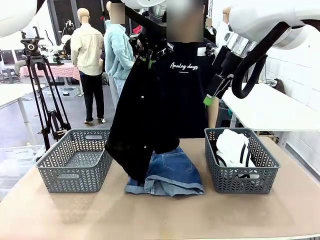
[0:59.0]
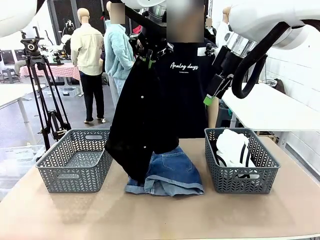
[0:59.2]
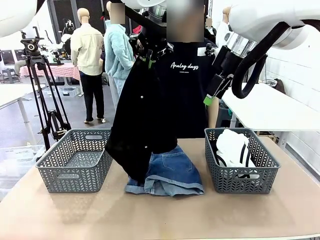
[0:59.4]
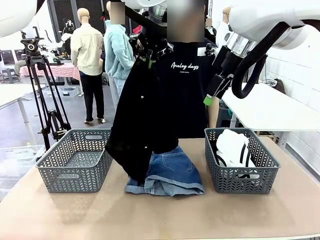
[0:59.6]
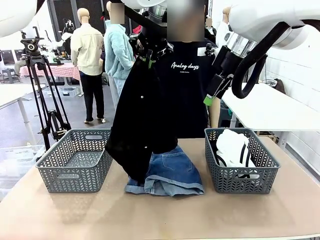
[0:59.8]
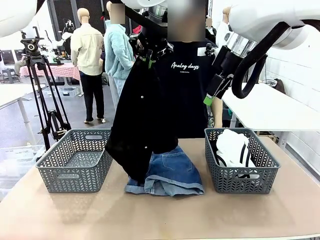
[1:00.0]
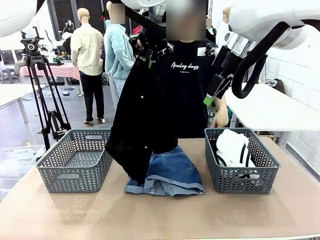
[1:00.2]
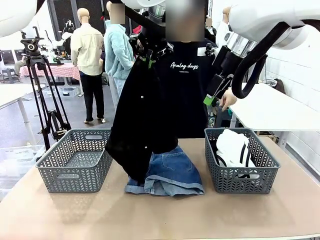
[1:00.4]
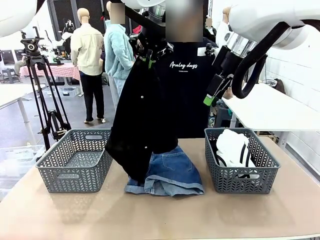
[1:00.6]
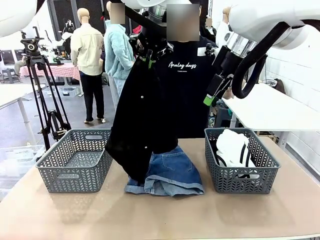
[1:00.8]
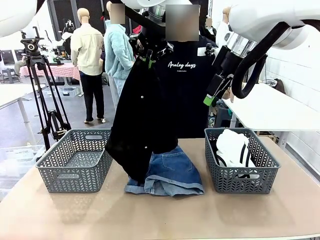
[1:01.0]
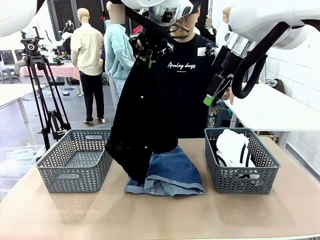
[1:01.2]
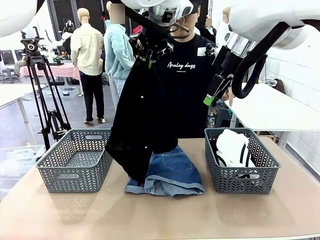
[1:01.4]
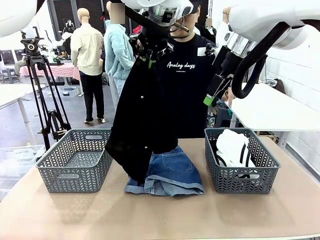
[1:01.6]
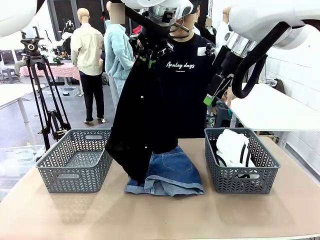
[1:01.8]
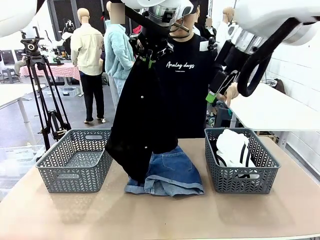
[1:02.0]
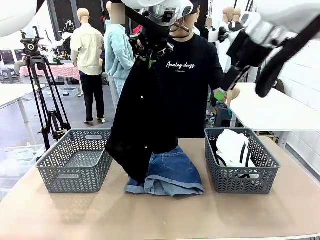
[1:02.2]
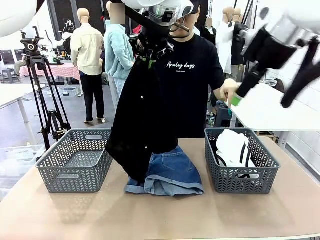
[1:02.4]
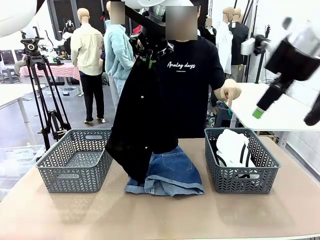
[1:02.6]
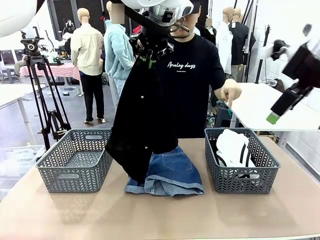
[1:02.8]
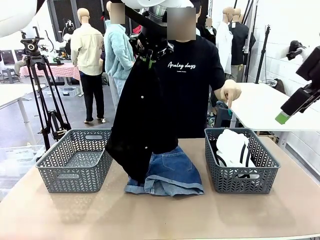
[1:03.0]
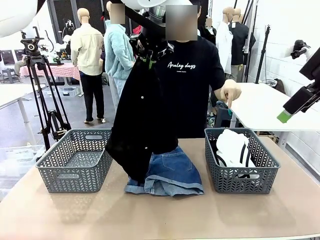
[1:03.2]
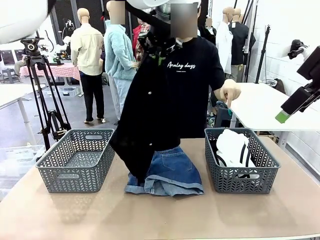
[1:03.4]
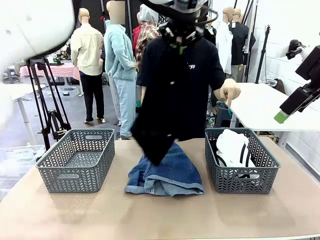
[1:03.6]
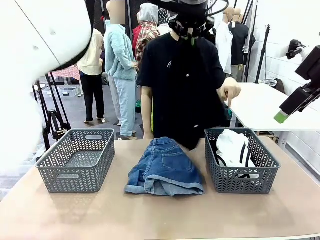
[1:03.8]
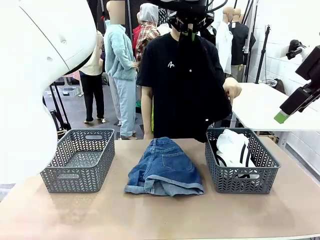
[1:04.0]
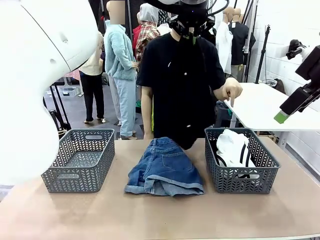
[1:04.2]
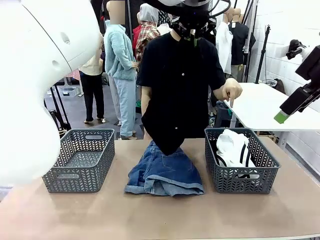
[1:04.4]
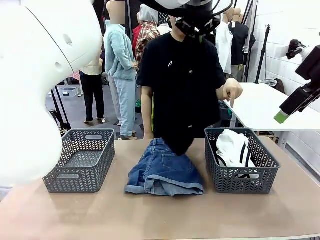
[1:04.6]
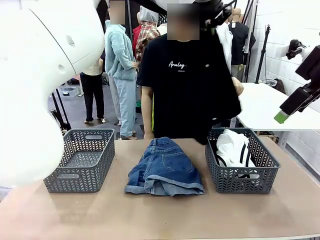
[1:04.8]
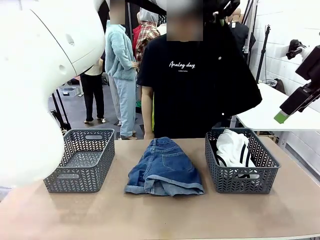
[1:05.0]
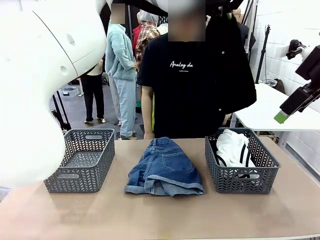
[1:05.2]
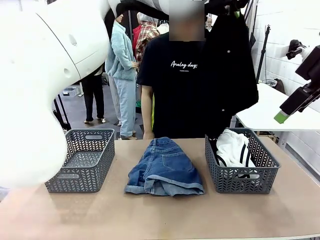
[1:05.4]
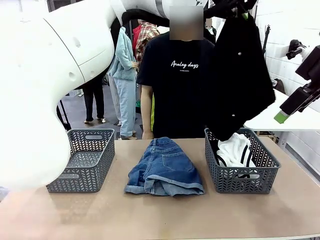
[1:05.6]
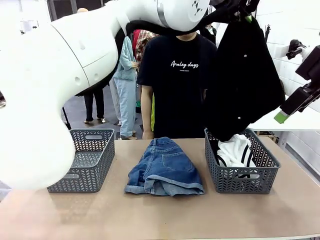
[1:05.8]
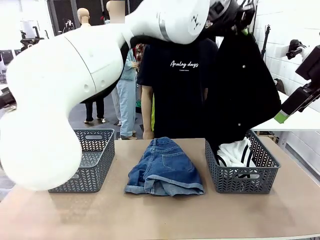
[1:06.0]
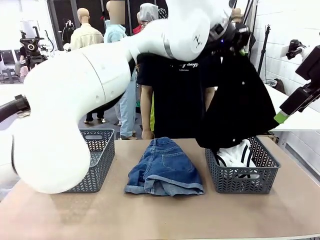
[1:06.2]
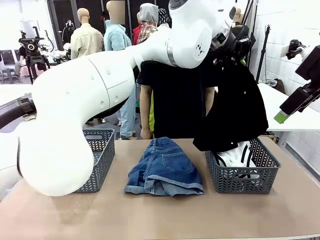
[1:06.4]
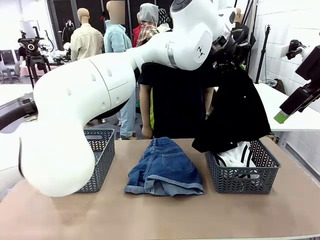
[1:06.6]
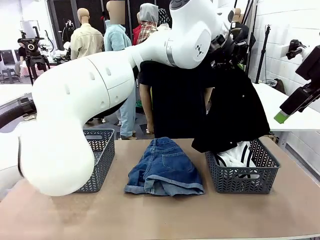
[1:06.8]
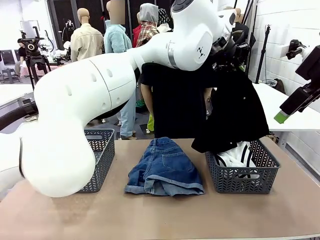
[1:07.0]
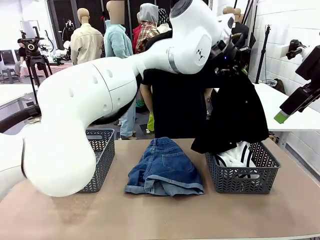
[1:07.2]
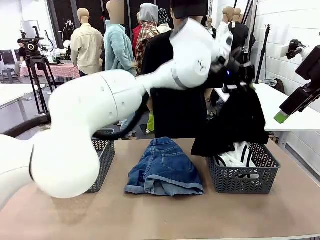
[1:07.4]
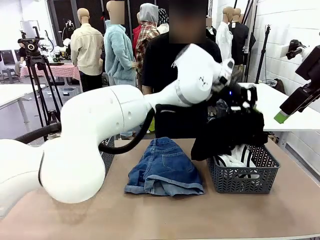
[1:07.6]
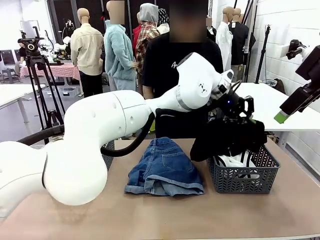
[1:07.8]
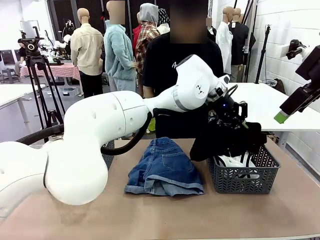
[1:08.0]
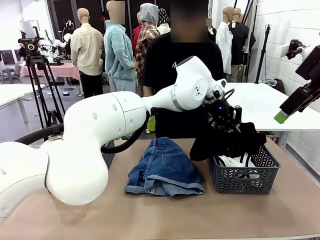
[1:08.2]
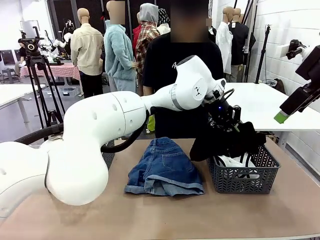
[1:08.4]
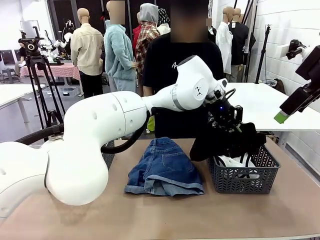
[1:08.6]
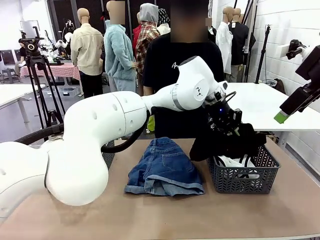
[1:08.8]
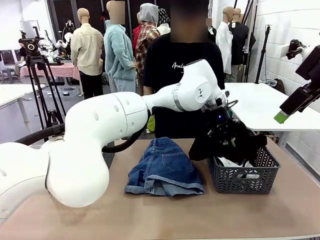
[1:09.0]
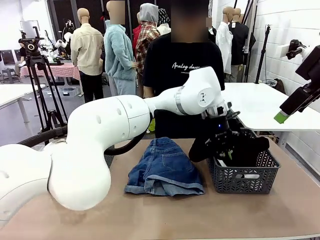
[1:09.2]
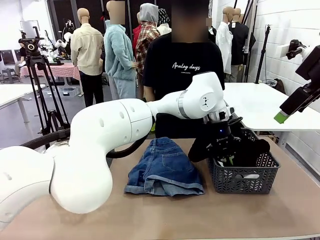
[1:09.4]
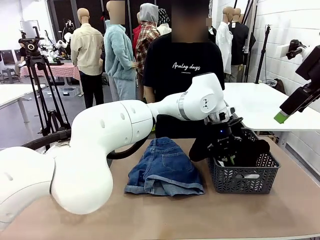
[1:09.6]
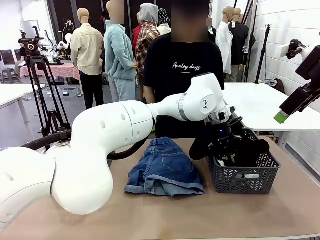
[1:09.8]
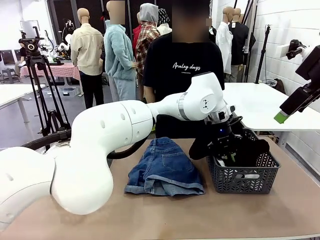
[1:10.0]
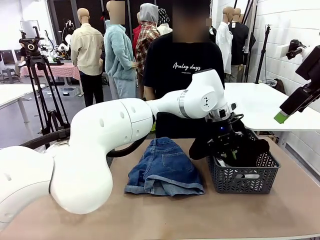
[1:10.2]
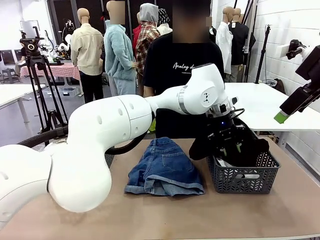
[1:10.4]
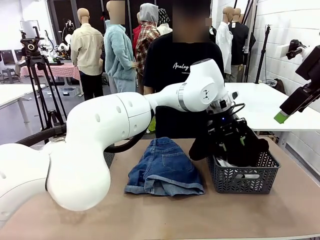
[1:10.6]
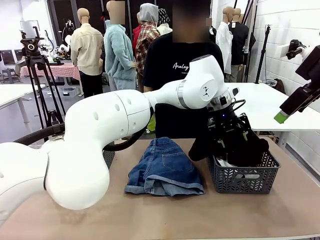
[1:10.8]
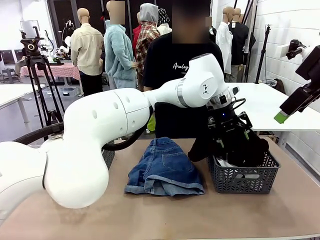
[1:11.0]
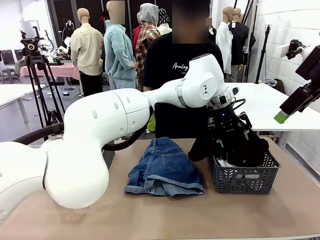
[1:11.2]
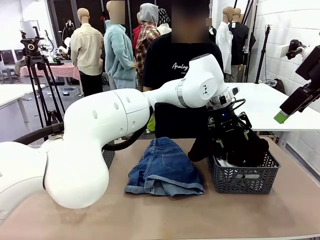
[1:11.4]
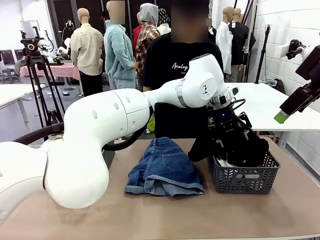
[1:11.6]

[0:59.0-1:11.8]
Task: Sort the tops and bottoms.
Robot: Sort the clothes according to human instructions.

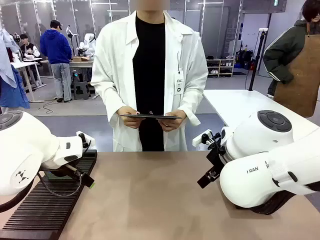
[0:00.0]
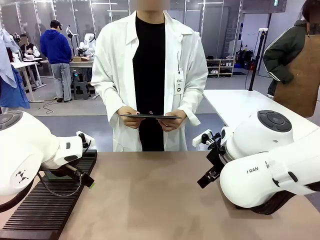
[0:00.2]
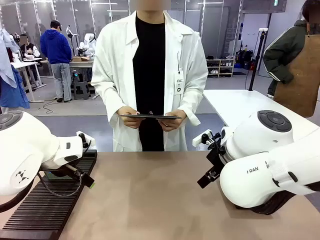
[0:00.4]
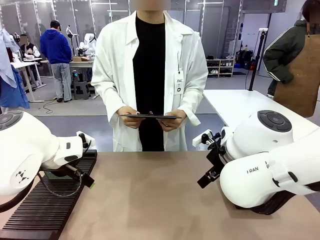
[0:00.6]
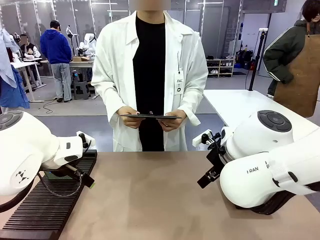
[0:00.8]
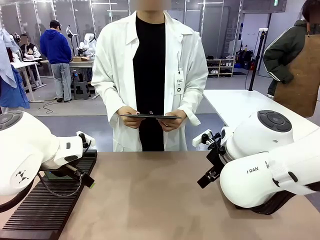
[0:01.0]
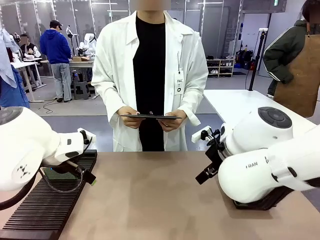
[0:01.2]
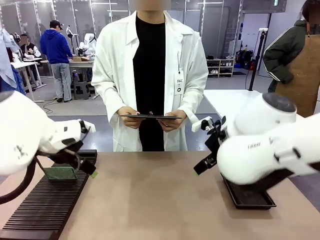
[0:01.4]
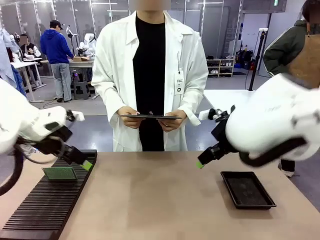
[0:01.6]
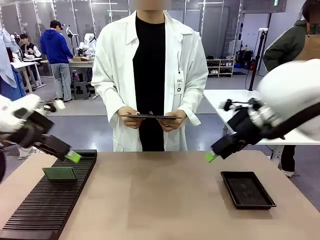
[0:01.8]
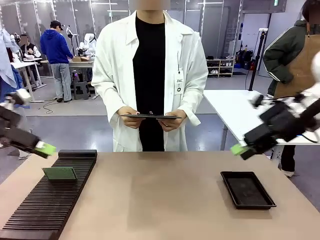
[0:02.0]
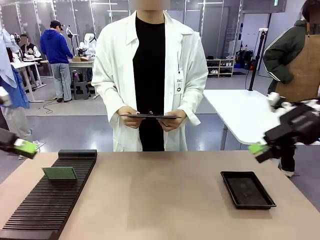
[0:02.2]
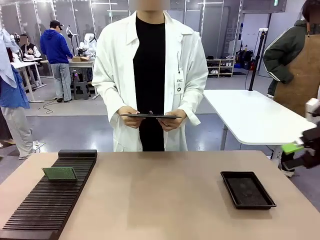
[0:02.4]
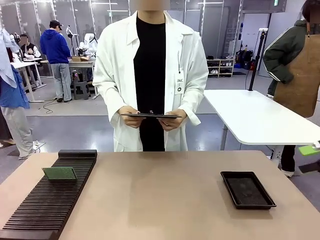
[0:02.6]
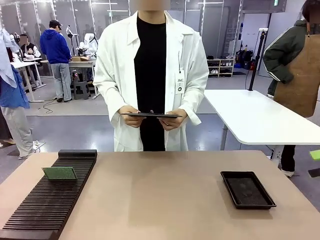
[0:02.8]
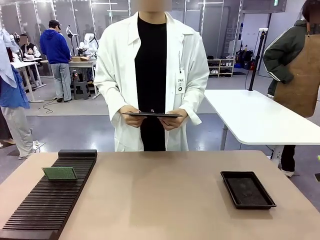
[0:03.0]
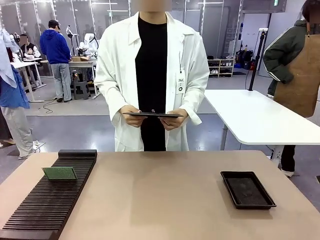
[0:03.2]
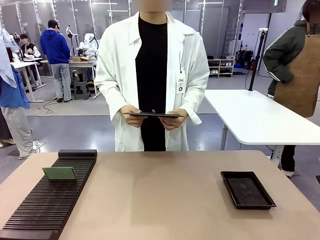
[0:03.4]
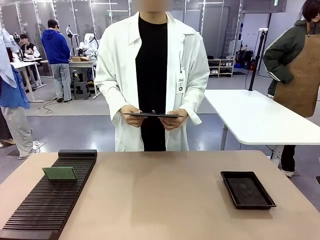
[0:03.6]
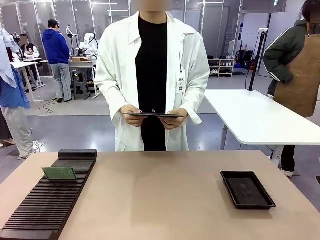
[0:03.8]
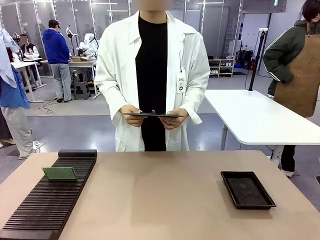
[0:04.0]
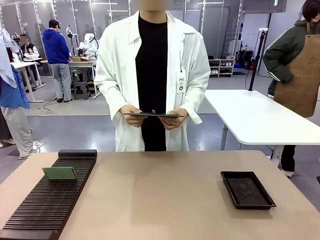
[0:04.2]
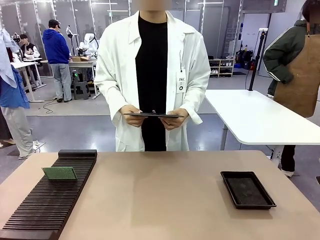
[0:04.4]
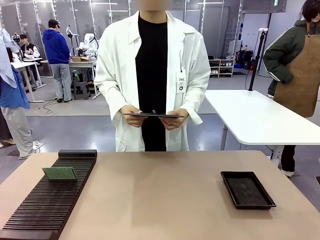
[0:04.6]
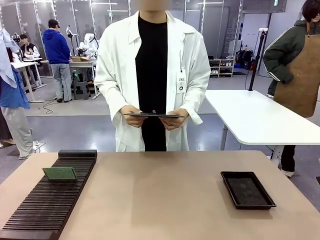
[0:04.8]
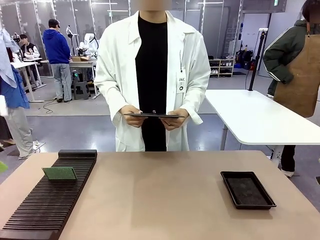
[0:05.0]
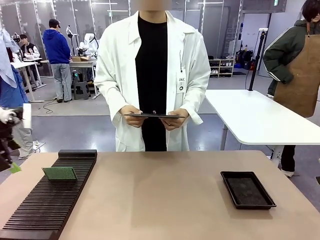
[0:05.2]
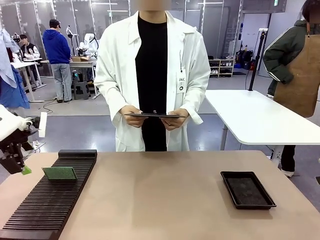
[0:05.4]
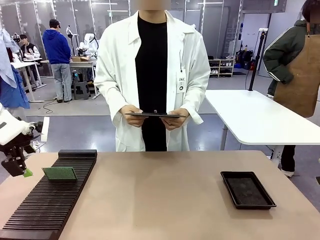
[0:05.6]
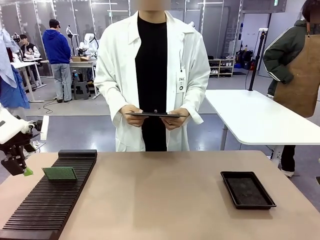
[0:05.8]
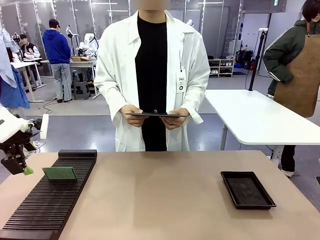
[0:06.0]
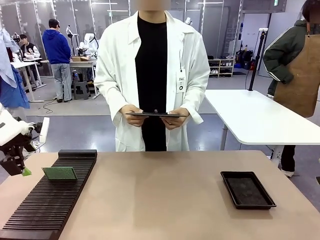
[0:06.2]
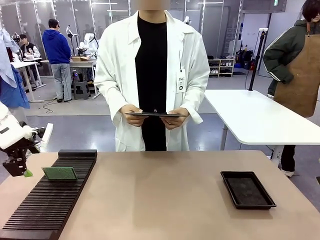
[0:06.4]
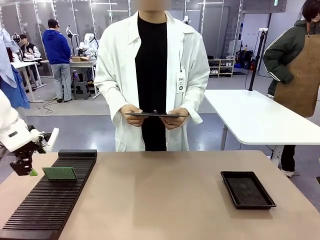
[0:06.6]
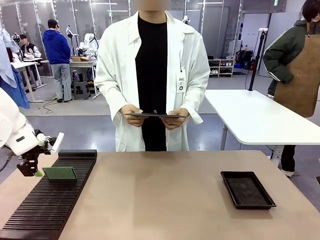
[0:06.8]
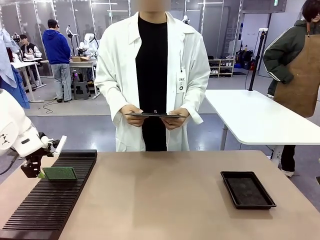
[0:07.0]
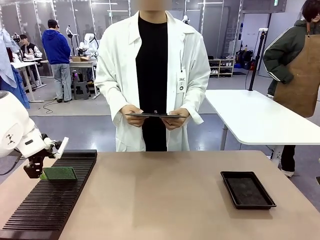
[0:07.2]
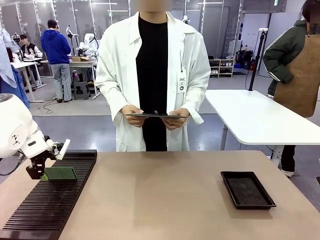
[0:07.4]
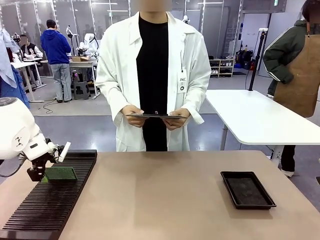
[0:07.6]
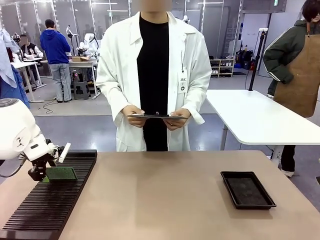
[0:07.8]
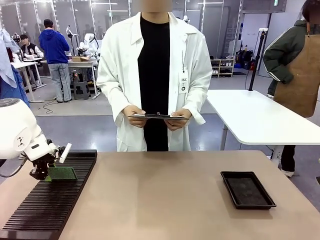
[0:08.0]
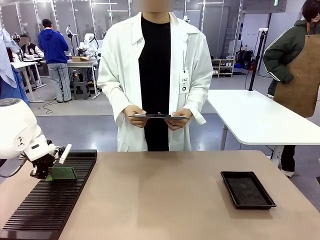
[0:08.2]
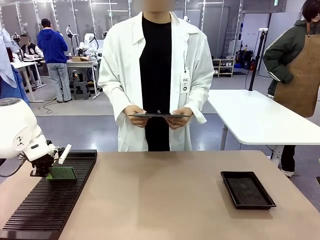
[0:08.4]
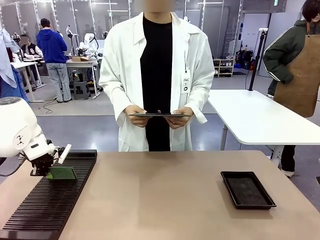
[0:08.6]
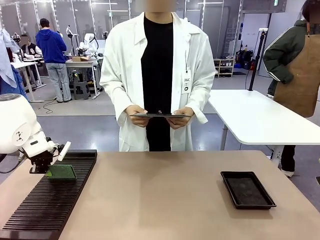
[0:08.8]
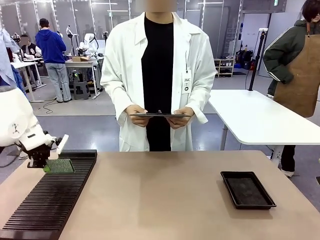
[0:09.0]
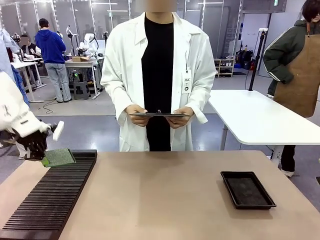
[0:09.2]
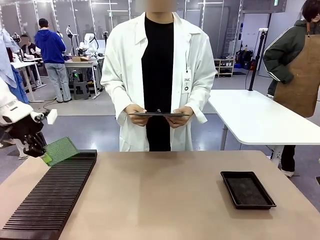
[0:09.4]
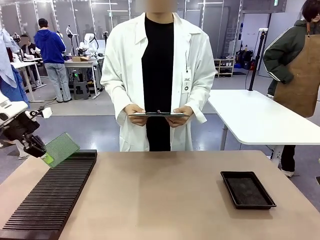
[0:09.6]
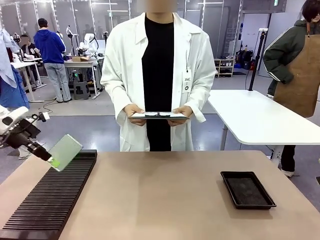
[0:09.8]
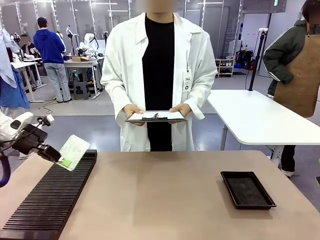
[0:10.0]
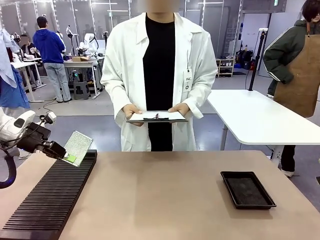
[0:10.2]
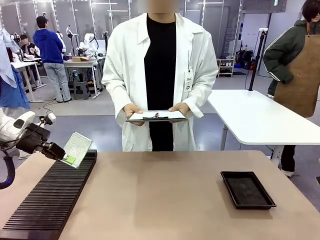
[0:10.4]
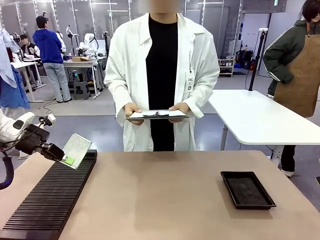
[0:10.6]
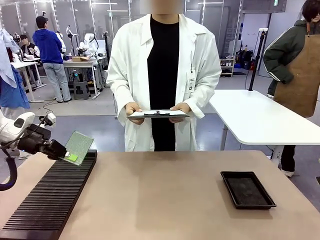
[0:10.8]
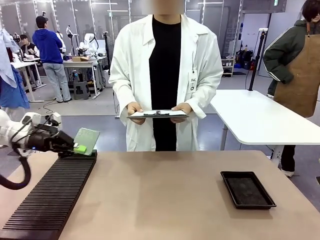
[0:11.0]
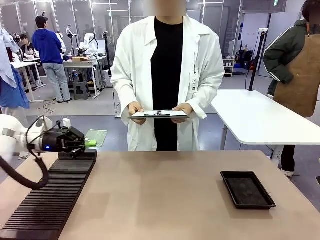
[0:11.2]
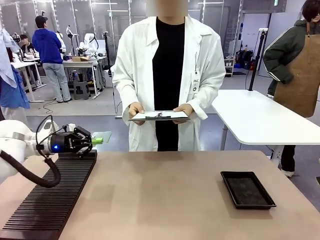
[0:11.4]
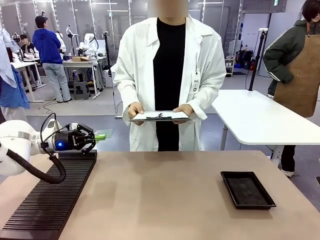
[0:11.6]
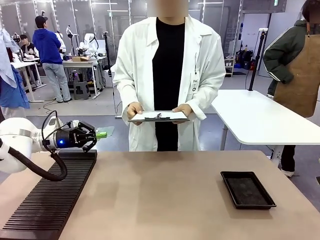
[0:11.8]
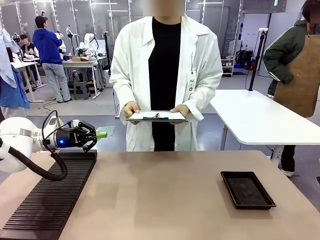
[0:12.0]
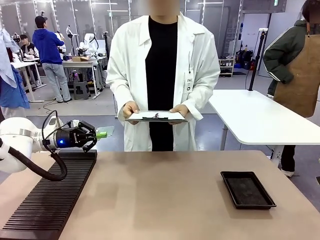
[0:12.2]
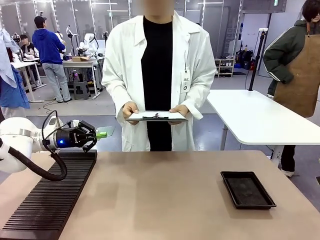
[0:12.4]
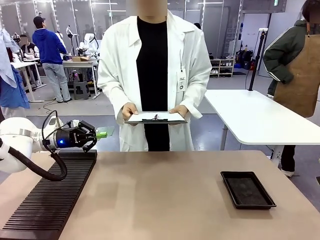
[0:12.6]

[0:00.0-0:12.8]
Task: Inspect the PCB.
Robot: Pick up the Blank PCB and present it to the human.
Person: Pick up the PCB presented by the robot.
